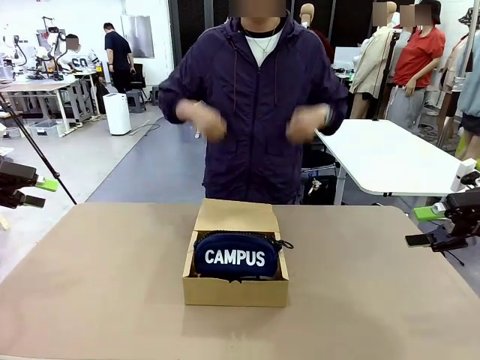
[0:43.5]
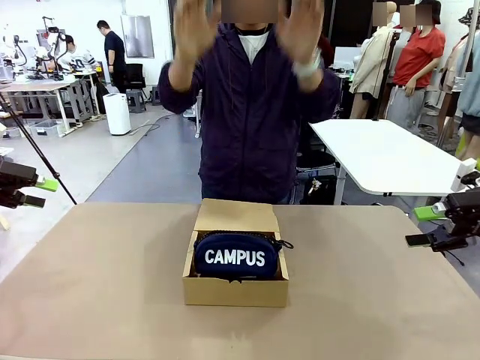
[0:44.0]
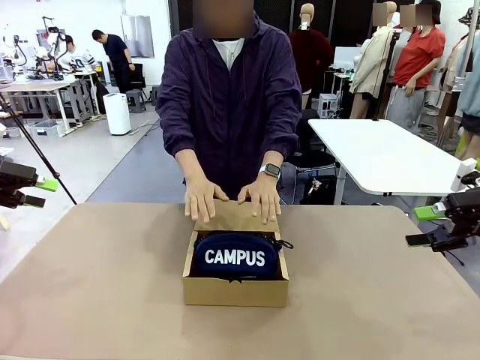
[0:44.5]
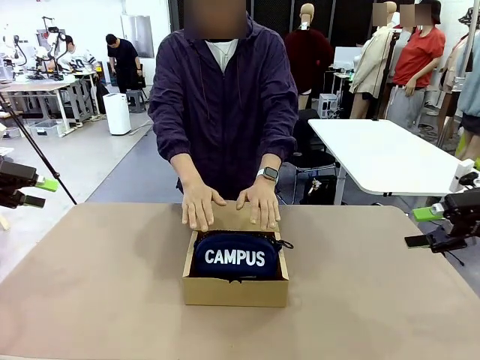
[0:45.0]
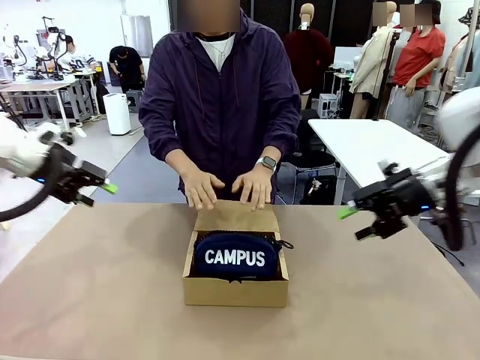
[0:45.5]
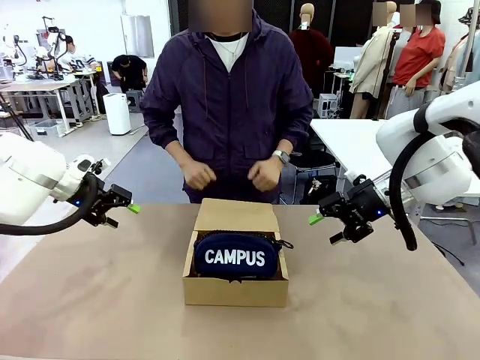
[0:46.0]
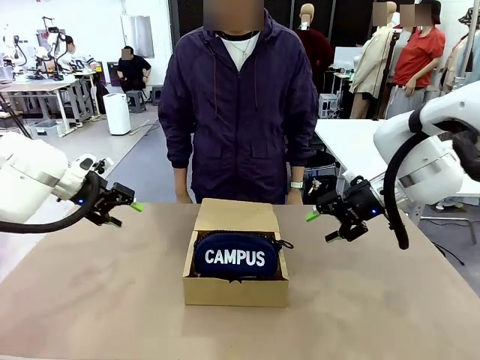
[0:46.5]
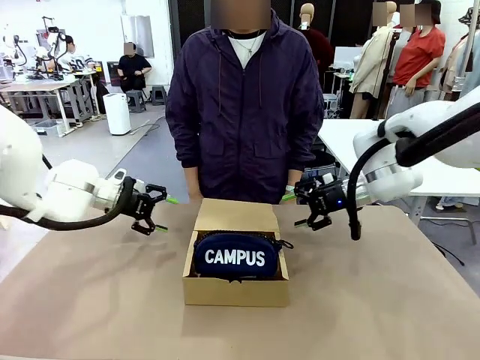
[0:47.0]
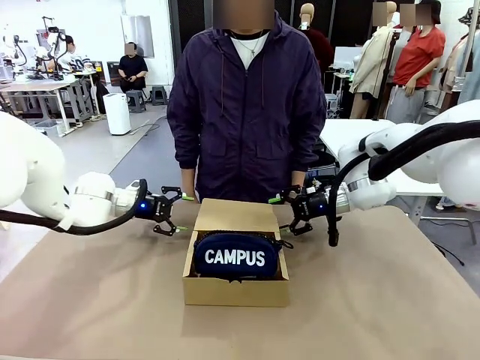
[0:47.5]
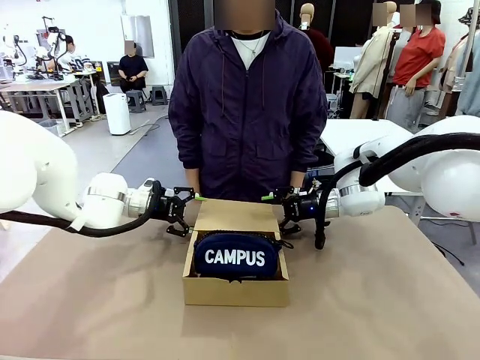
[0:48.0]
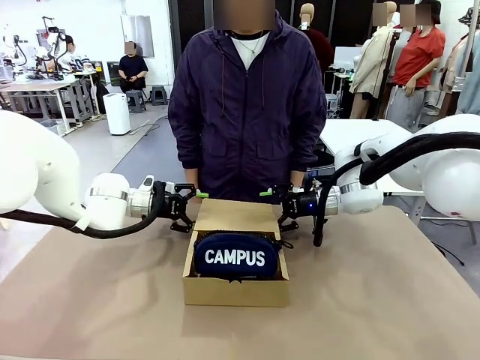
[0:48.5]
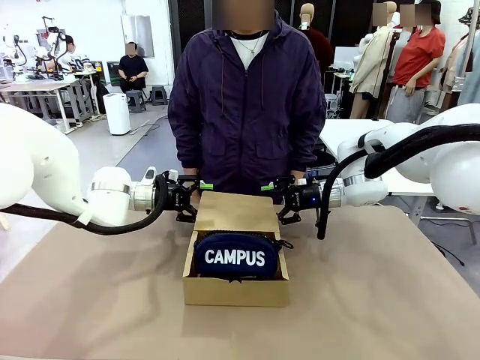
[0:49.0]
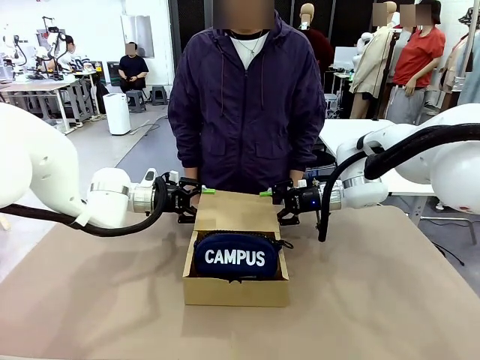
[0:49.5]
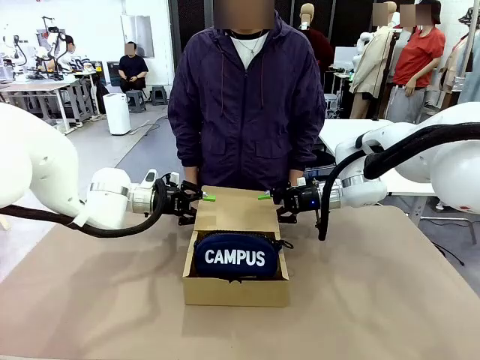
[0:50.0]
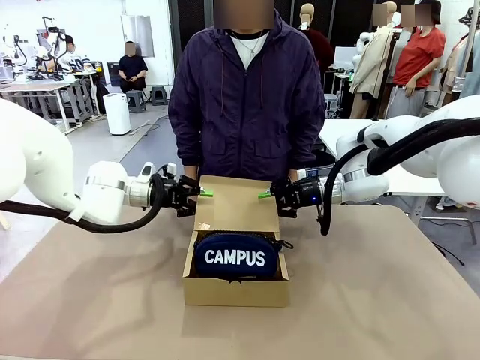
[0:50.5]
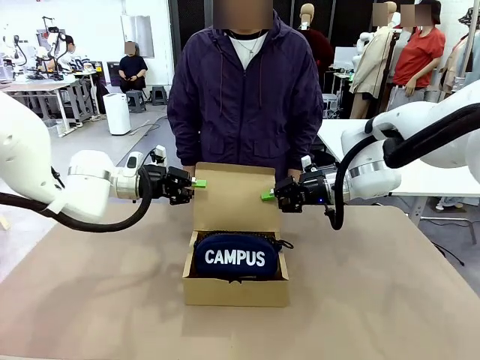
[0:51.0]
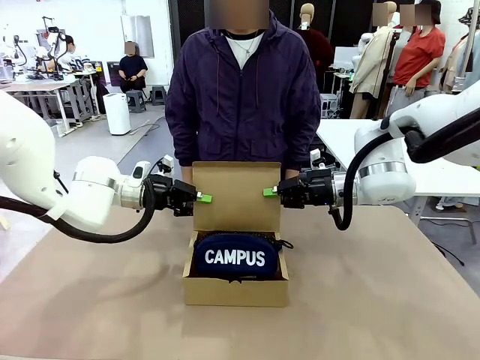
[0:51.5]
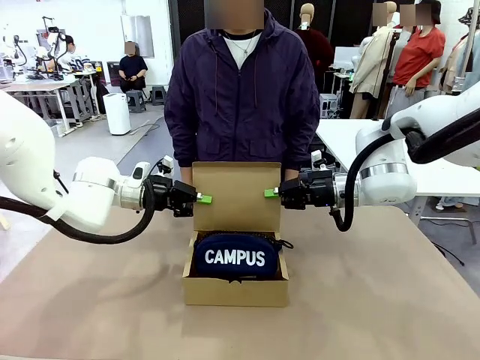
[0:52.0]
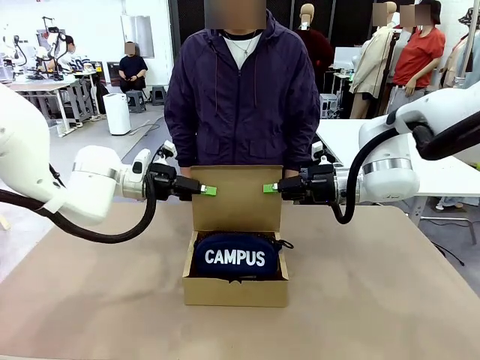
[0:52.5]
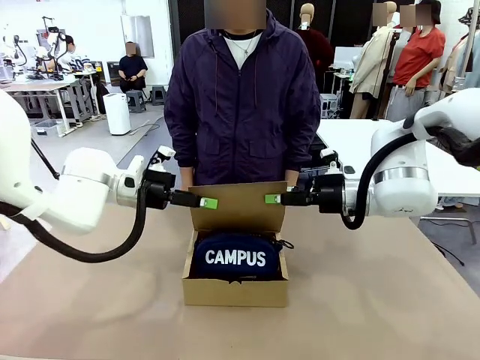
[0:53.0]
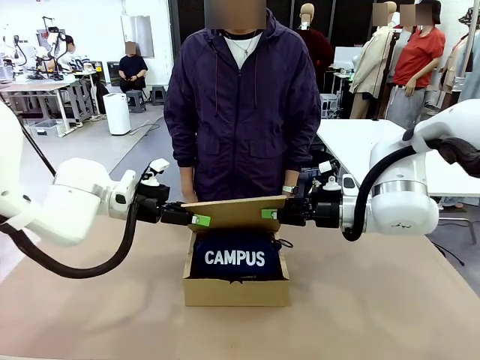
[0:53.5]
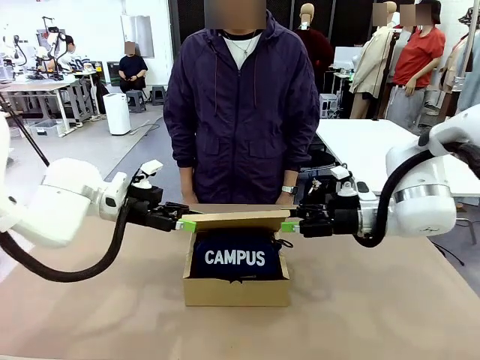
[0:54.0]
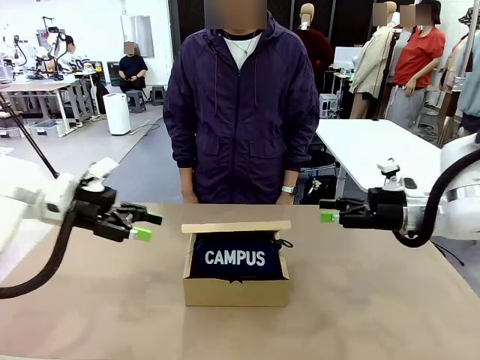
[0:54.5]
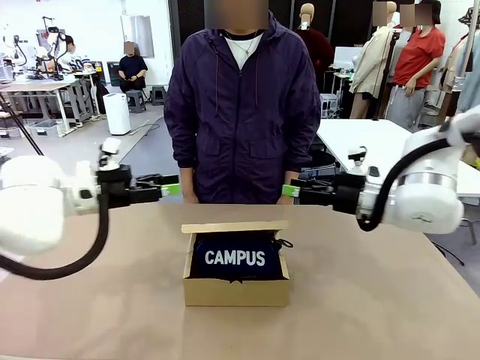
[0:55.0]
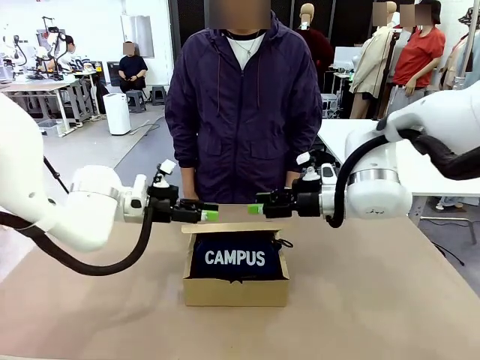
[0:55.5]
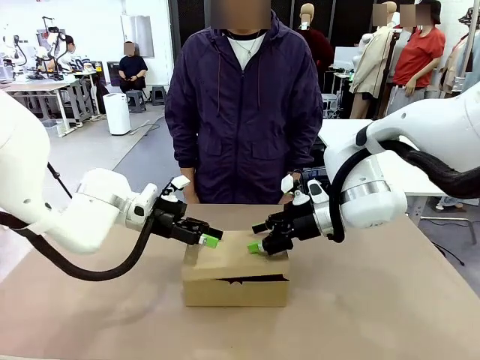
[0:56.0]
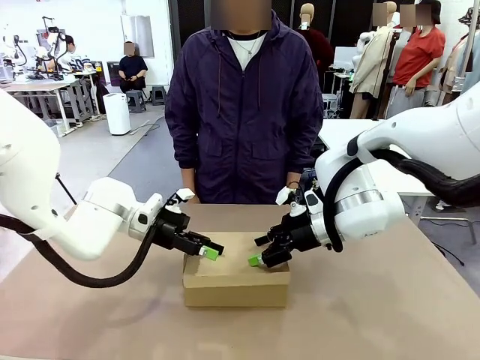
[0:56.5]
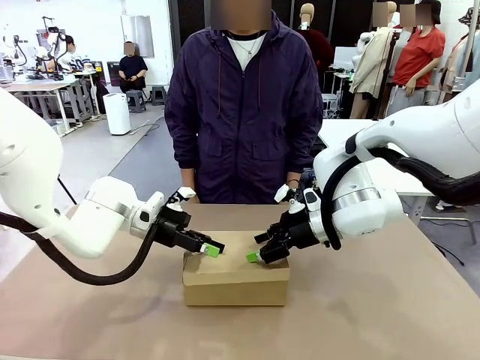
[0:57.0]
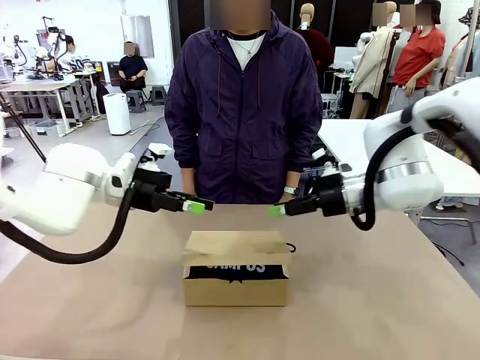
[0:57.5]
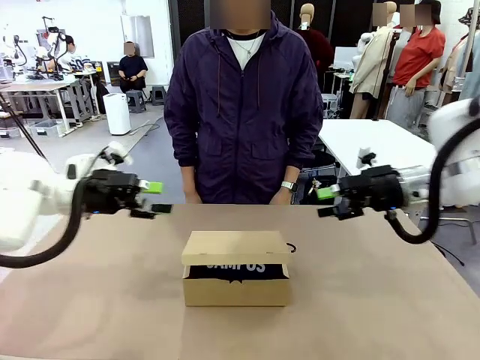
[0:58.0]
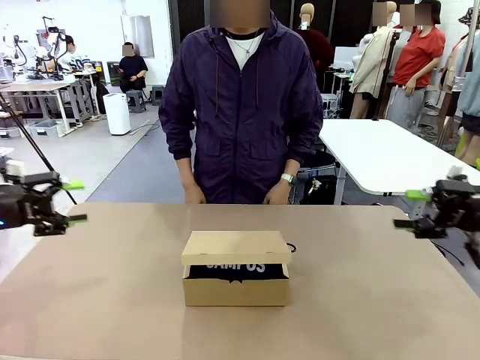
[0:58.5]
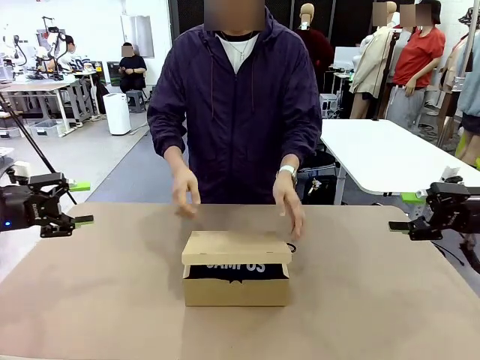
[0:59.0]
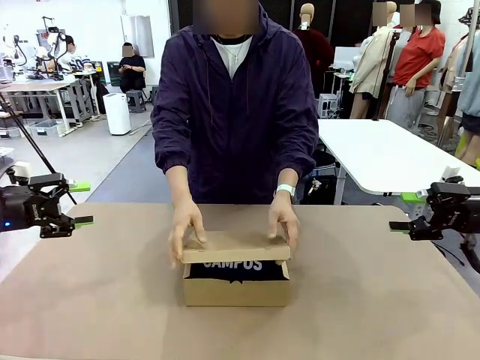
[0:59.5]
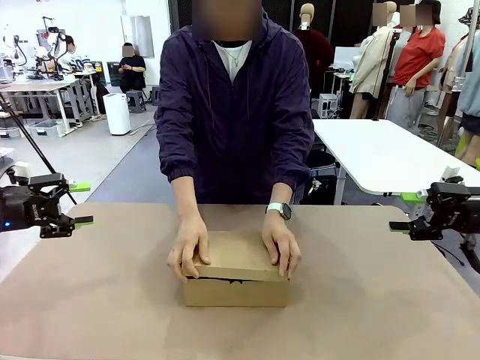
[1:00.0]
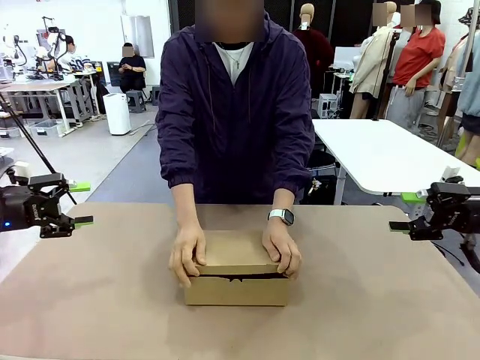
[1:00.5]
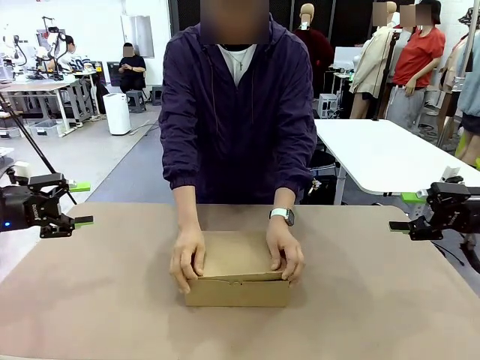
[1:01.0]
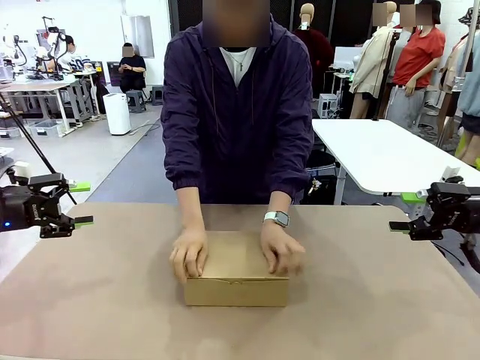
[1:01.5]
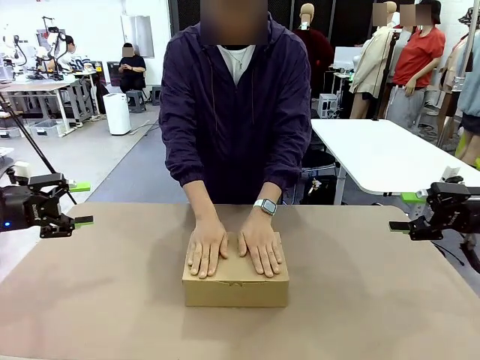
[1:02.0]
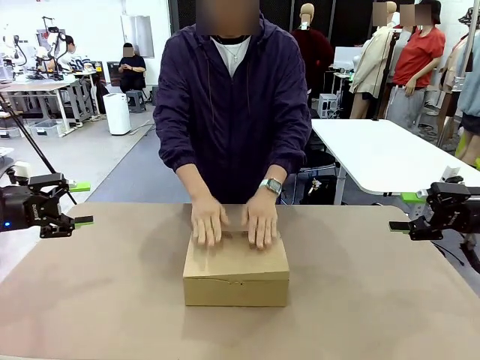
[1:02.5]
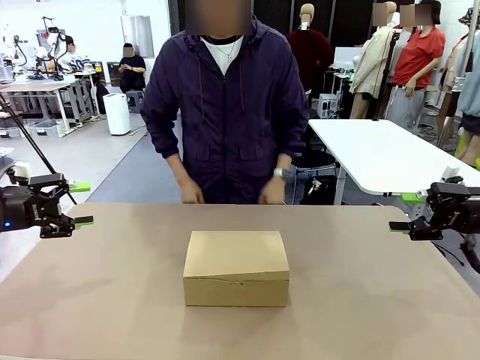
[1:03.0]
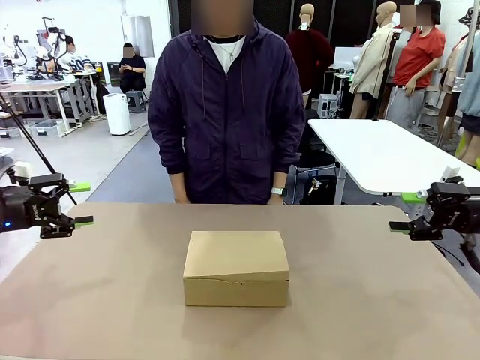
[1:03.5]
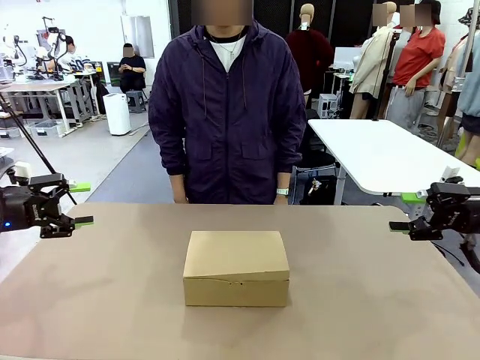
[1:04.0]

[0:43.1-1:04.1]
Task: Pack the items into the box.
Robot: Close the Mailer Box.
Person: Turn the box and lock it.
